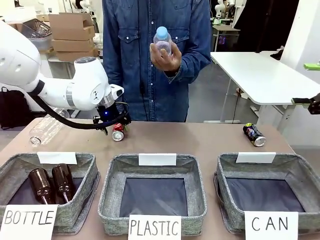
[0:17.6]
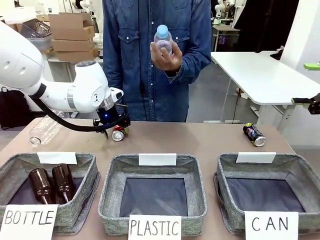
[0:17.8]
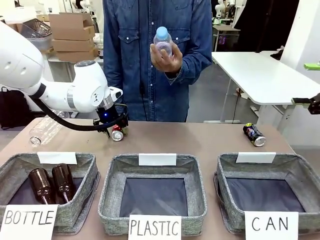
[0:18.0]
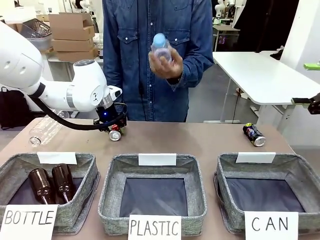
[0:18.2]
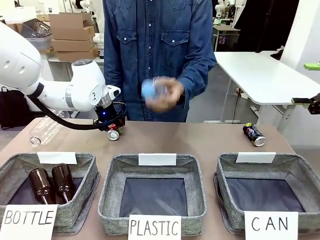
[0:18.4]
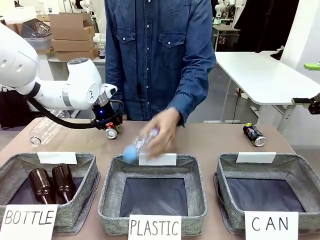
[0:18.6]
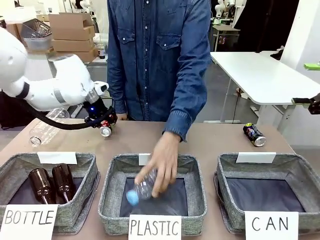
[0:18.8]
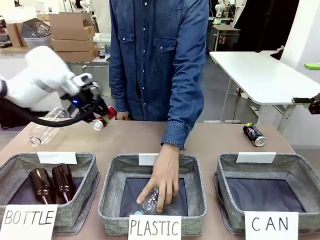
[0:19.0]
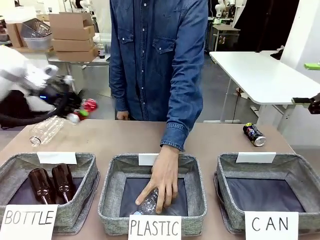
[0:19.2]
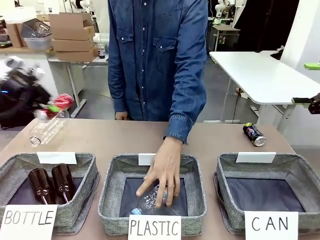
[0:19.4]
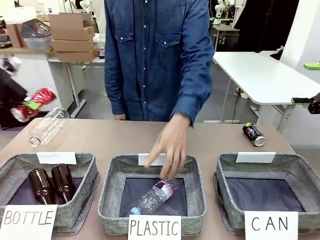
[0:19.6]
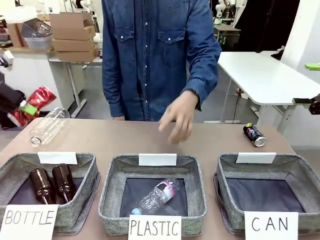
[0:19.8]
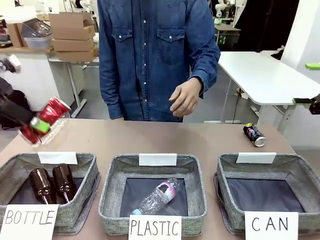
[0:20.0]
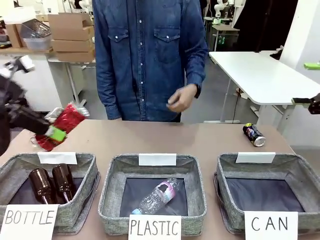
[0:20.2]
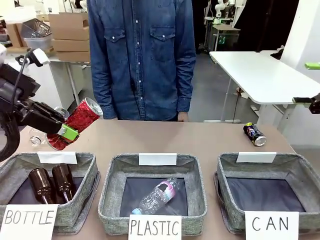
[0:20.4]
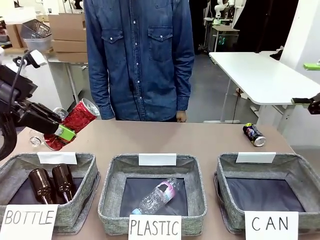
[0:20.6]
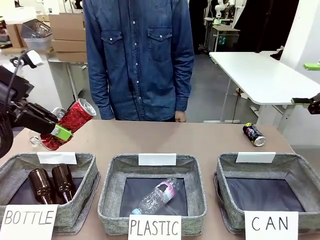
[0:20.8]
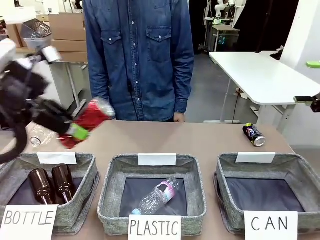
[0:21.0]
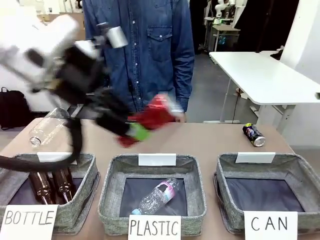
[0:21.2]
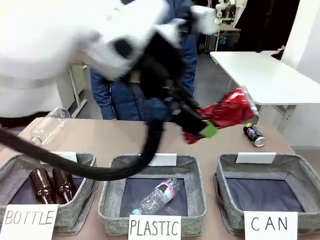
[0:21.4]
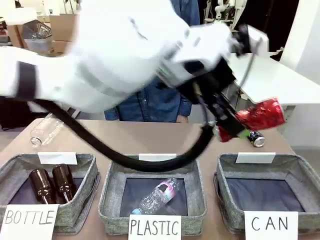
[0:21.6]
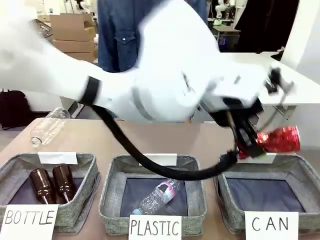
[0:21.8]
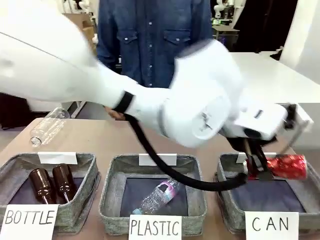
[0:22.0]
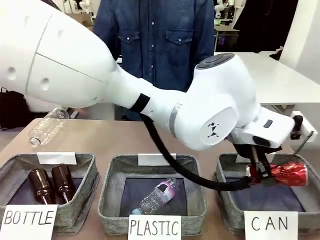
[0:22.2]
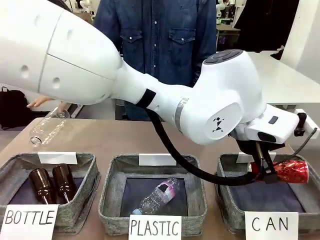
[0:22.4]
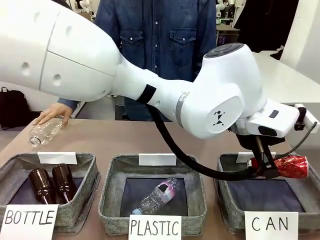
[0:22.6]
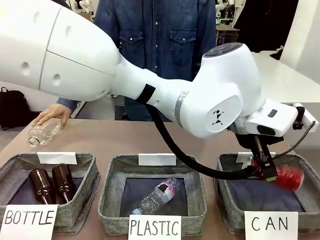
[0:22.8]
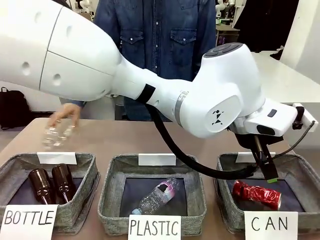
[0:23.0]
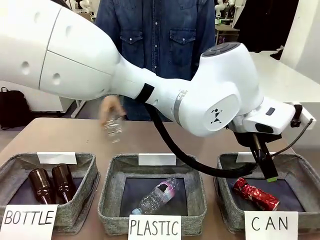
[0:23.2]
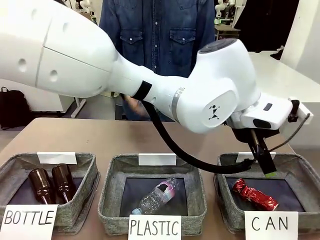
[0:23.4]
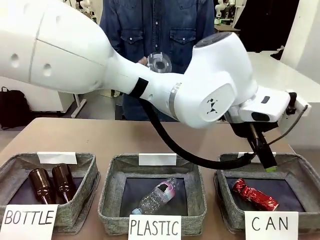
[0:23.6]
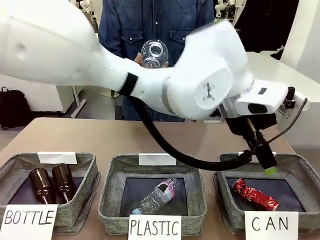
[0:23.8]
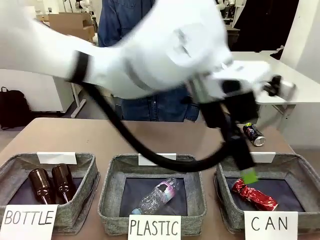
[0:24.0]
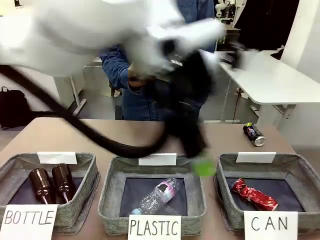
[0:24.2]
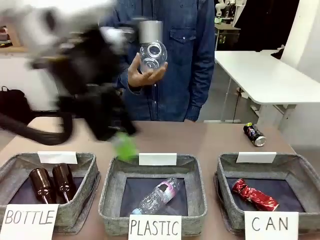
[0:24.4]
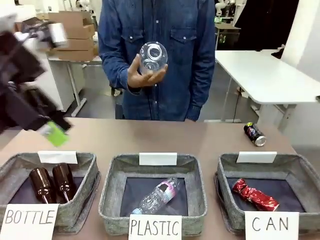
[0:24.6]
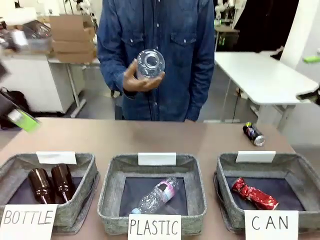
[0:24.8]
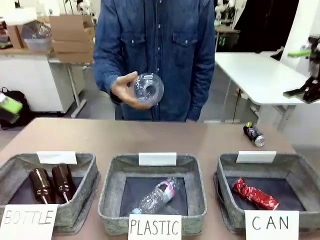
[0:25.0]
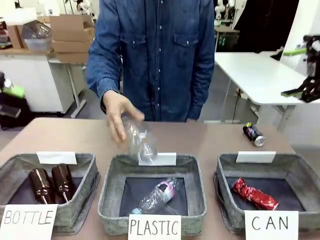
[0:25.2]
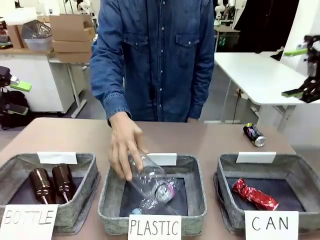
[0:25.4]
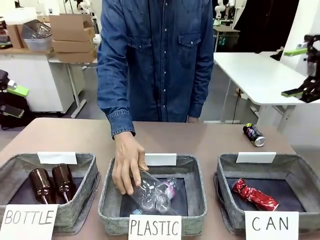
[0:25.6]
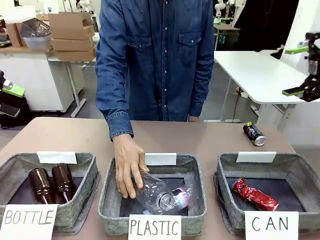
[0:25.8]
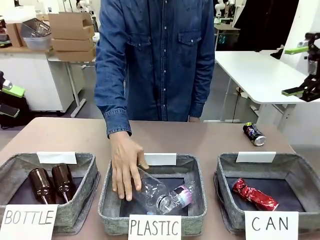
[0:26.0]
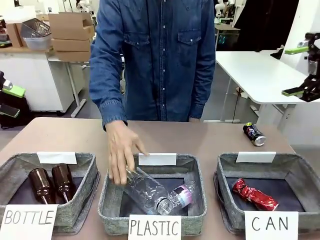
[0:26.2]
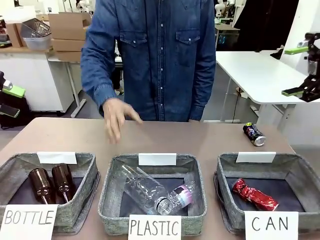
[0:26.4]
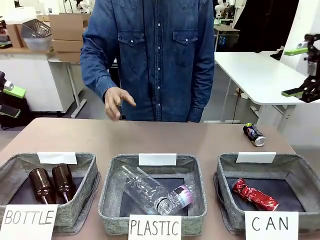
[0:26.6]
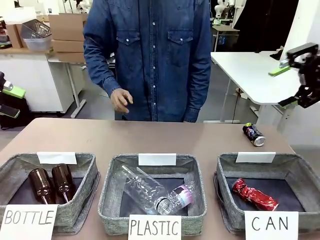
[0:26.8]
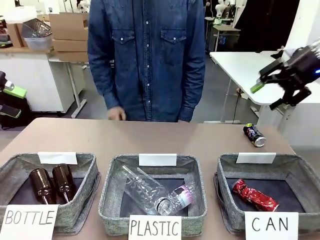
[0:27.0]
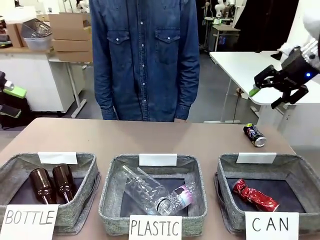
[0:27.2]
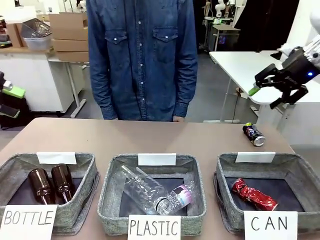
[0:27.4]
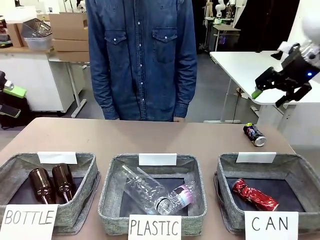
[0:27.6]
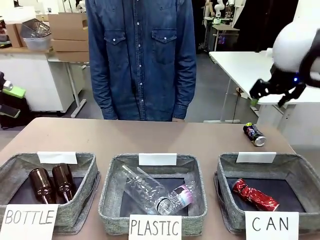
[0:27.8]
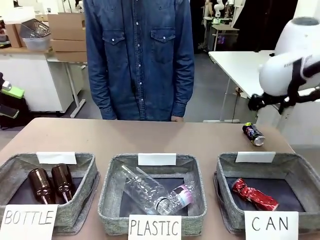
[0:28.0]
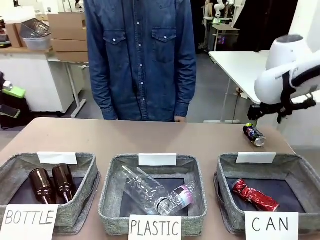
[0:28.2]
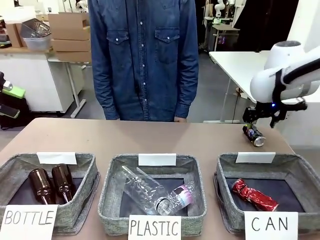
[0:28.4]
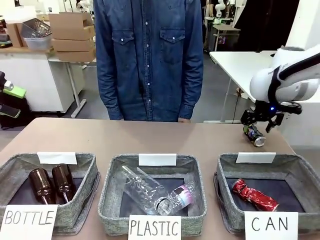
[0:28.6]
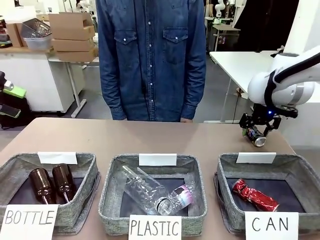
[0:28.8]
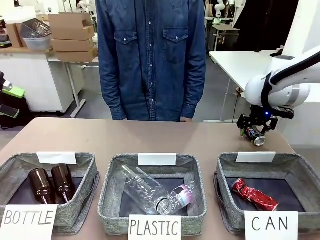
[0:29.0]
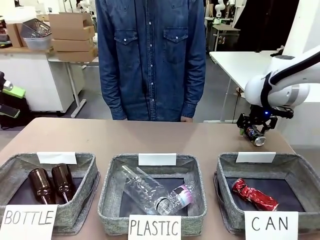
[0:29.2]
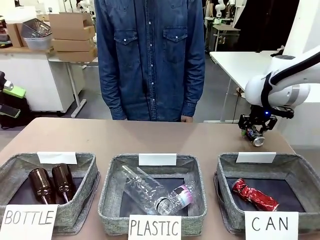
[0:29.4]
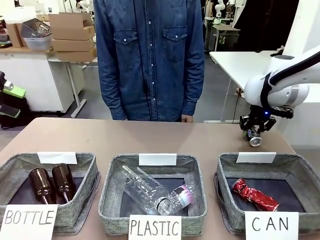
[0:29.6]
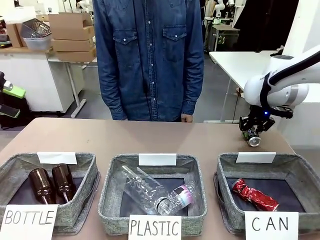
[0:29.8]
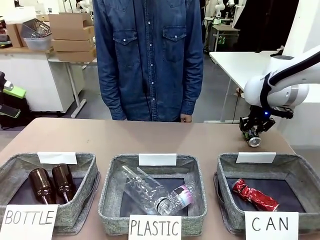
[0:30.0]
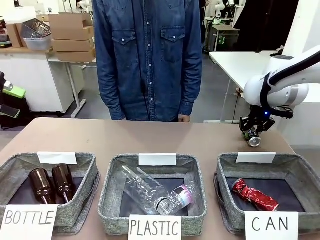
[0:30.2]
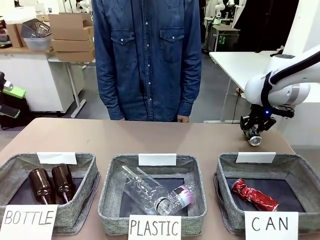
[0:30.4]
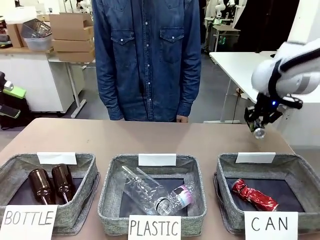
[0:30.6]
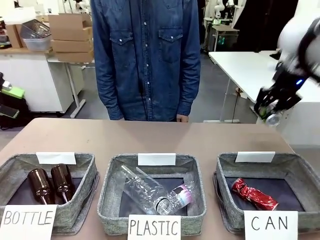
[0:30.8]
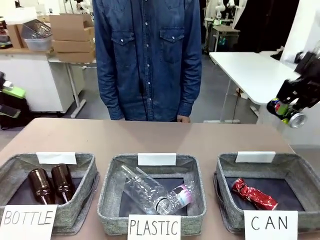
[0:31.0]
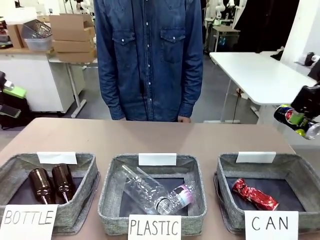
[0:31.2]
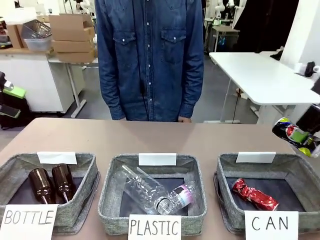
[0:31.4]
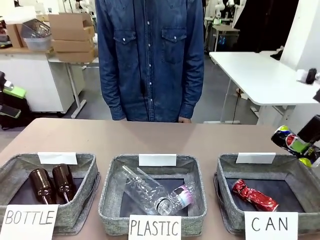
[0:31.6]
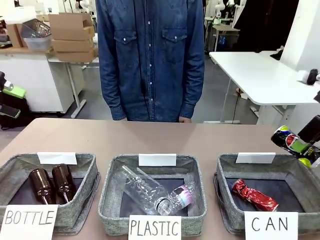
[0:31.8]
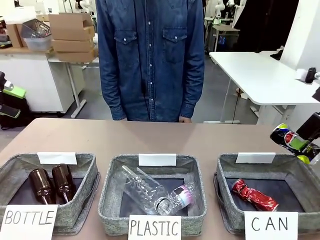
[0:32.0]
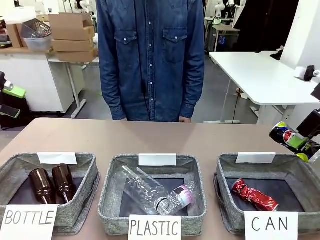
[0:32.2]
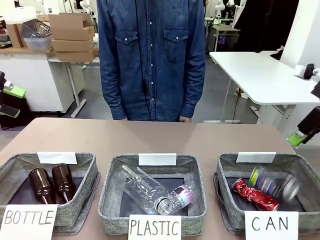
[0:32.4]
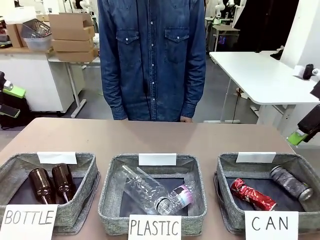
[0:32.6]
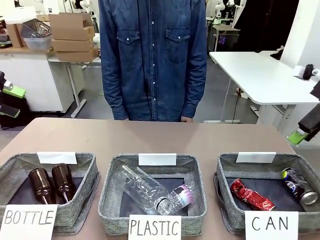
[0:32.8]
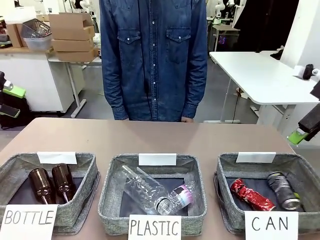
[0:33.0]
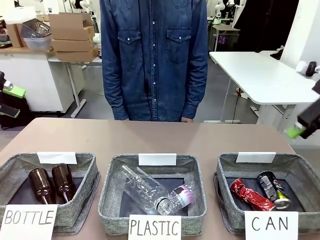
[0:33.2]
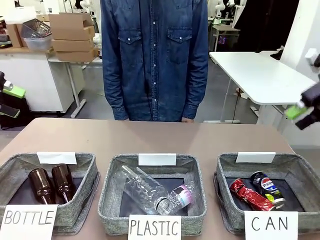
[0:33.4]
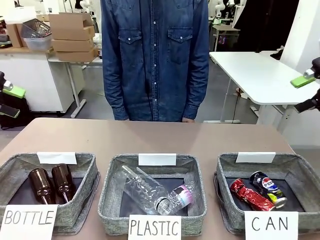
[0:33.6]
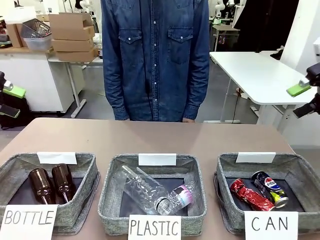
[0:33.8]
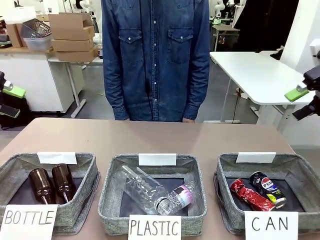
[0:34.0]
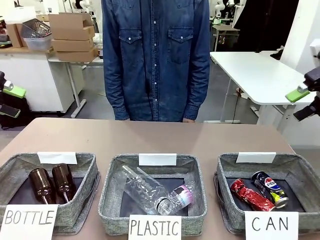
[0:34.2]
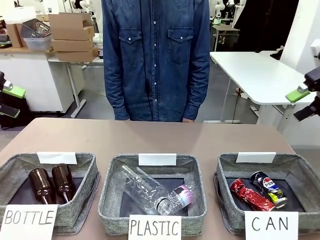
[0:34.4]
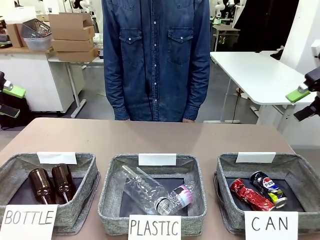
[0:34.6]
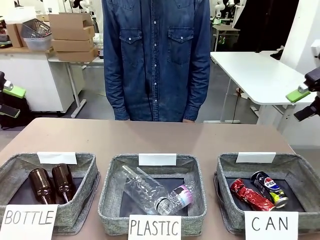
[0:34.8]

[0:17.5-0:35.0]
Task: Sort the can waste into the basket.
Robot: Pick up the can waste from the table and place it in the right Fabric basket.
